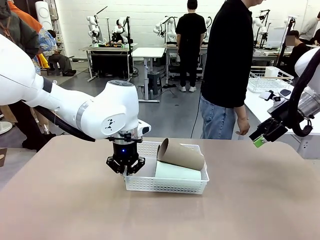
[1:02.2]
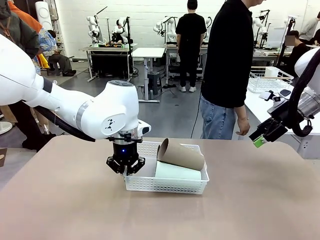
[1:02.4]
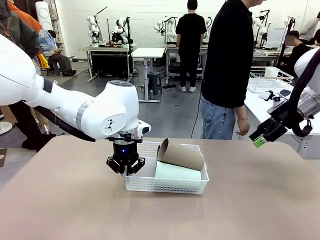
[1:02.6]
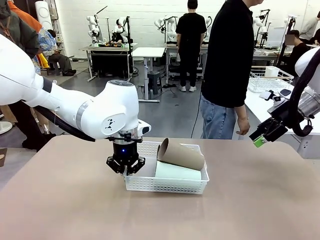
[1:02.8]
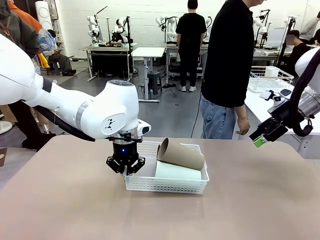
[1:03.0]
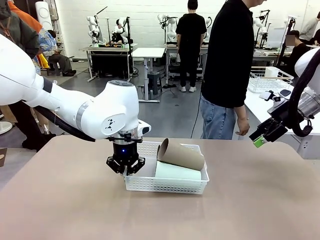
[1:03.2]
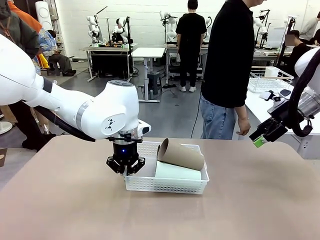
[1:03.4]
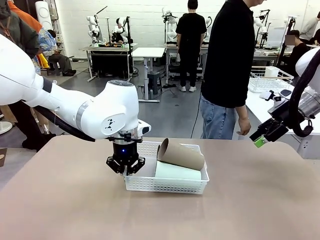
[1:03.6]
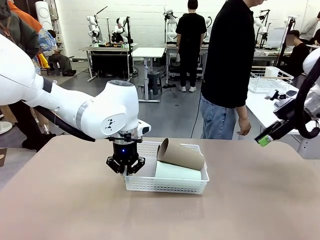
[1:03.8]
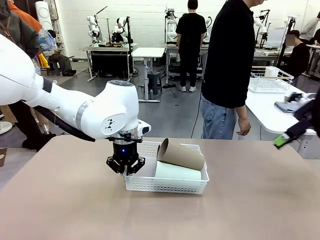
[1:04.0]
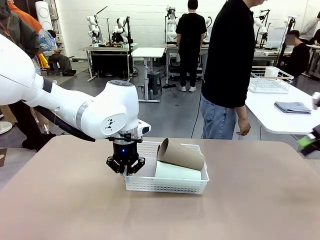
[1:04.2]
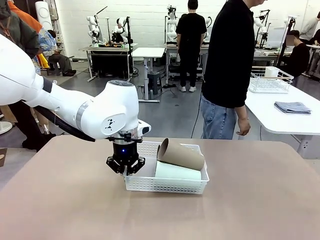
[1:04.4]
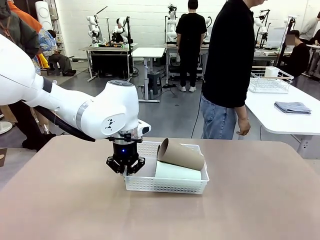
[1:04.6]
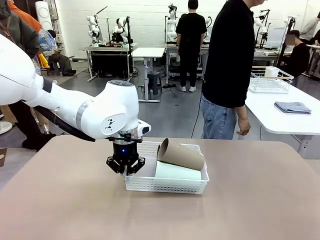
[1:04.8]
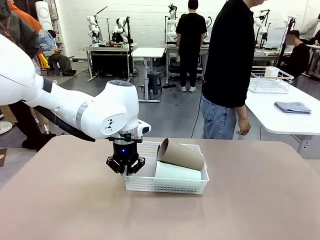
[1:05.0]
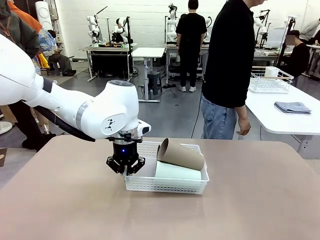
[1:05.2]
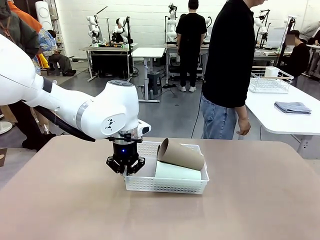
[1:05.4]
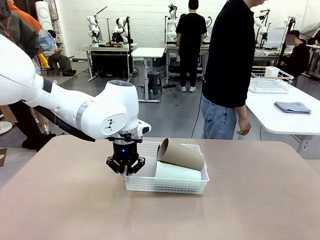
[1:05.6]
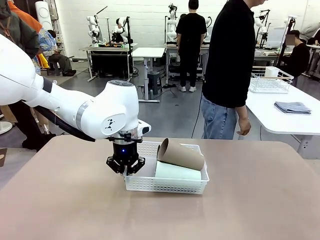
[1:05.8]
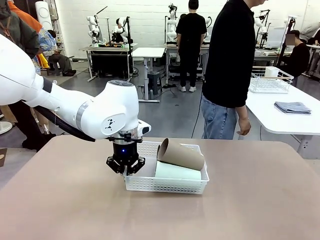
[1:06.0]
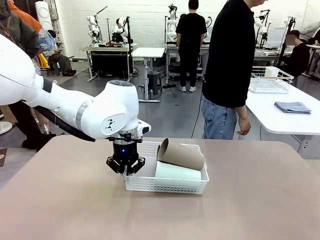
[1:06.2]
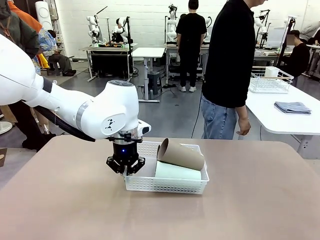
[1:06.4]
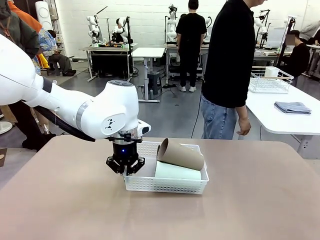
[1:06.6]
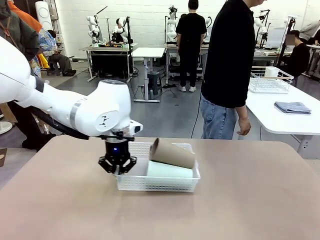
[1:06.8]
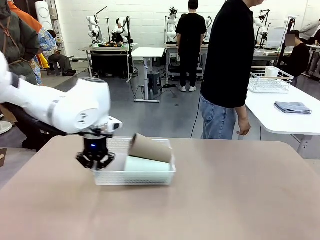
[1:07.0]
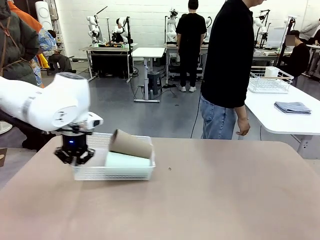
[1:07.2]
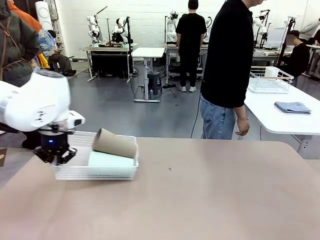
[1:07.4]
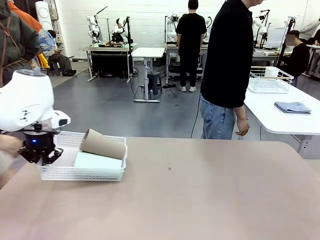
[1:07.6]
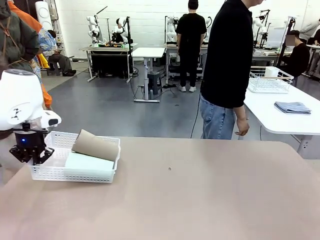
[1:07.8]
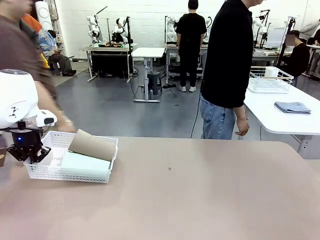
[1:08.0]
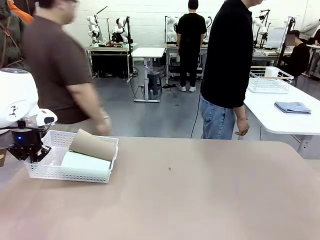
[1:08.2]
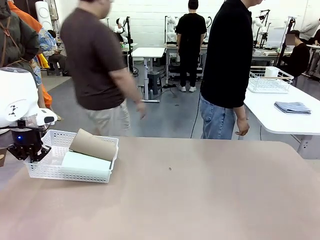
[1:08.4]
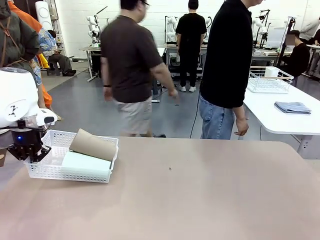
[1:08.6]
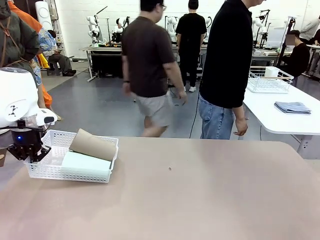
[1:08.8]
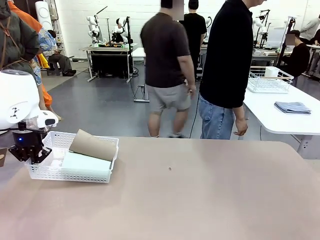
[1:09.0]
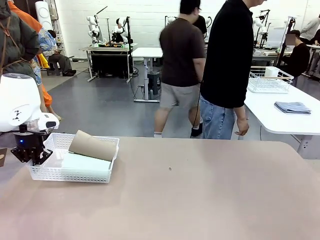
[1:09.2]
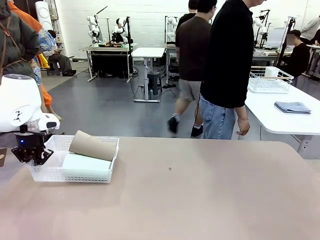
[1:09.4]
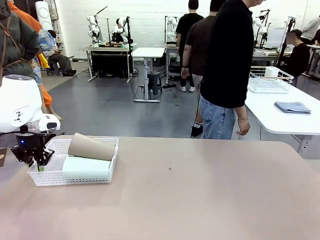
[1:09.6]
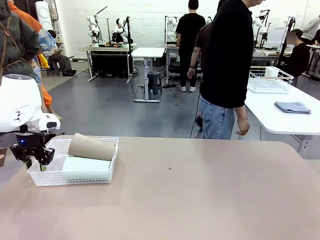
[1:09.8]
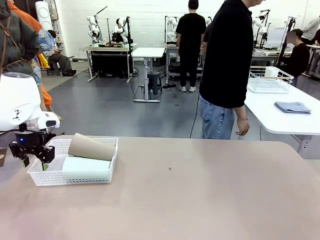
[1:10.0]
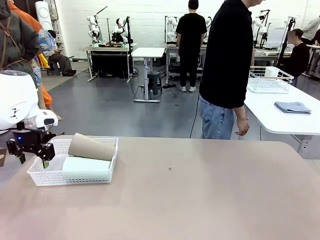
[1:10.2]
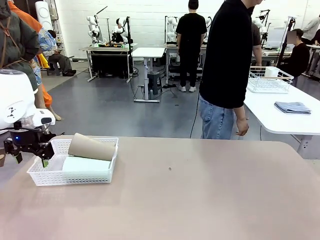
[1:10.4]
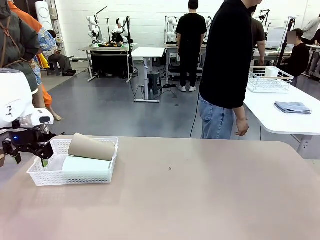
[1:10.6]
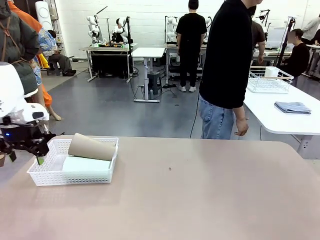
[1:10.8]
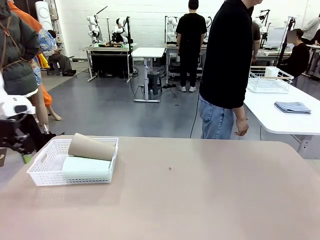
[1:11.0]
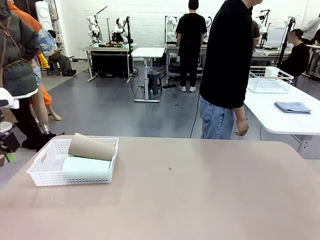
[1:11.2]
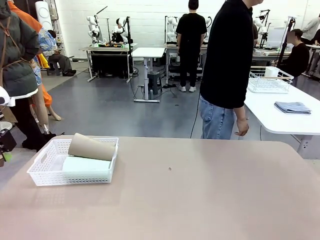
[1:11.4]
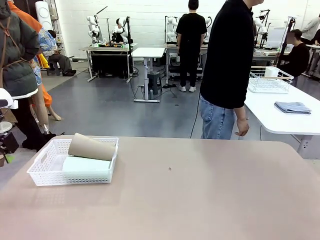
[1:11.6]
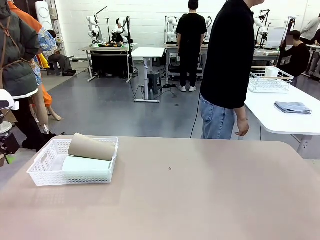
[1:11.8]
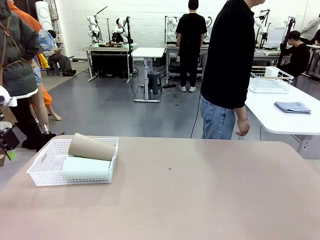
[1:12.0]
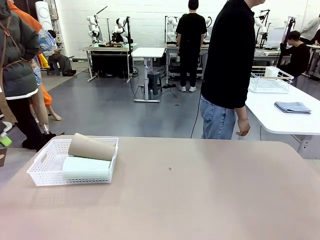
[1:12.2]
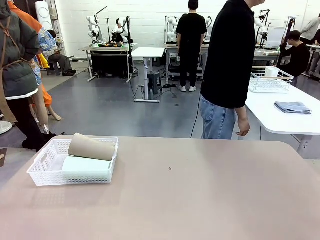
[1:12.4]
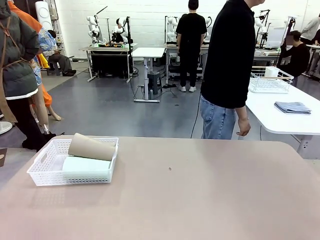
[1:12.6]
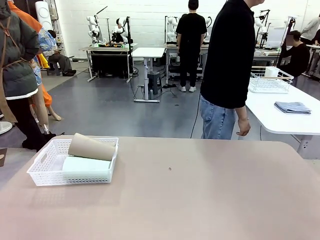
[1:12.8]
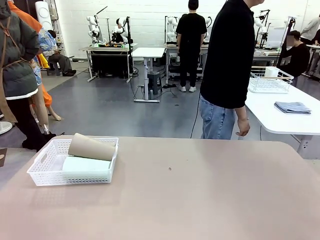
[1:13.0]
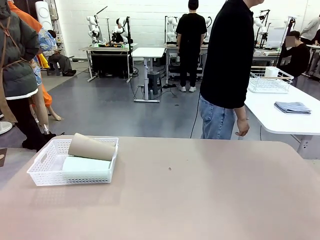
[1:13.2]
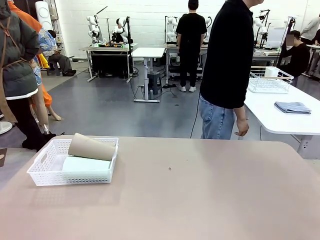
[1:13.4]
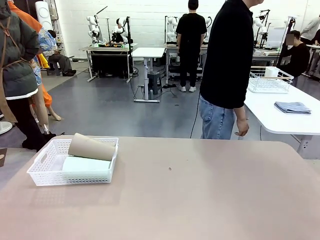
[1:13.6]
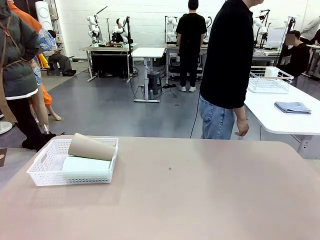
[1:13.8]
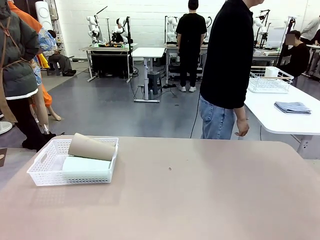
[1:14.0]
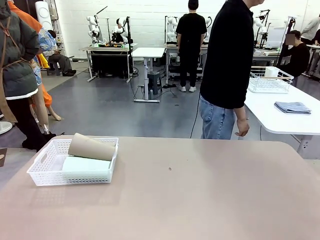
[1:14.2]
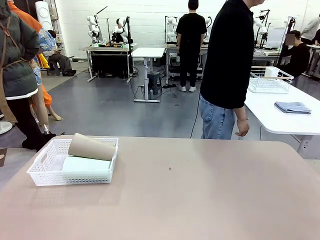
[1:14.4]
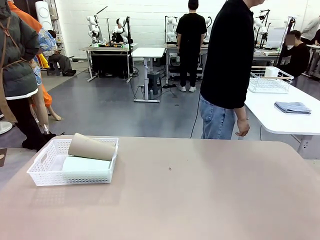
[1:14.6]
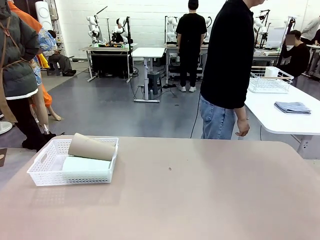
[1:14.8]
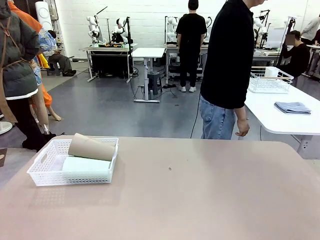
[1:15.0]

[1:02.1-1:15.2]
Task: Clean and organize the cups into the basket.
Robot: Move the Organizing basket back to the left side of the table.

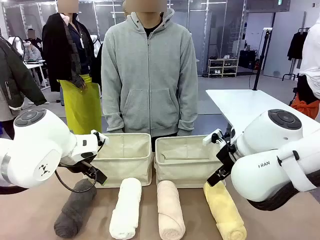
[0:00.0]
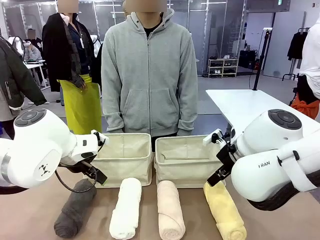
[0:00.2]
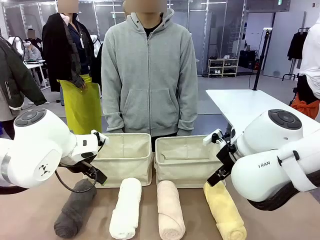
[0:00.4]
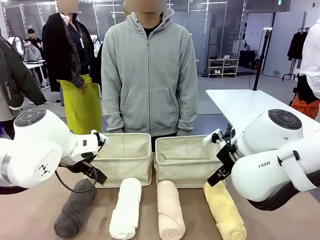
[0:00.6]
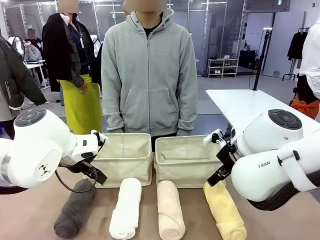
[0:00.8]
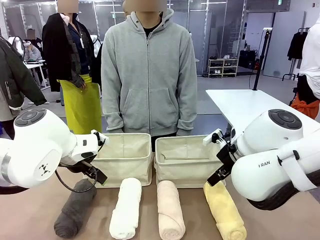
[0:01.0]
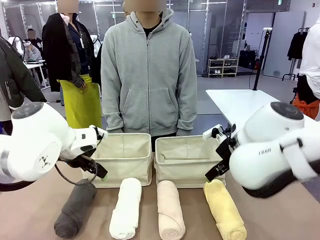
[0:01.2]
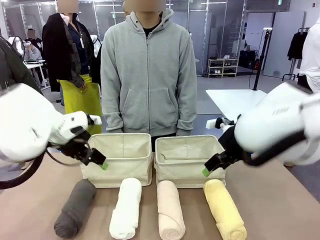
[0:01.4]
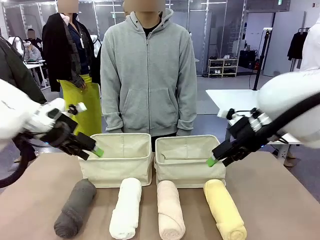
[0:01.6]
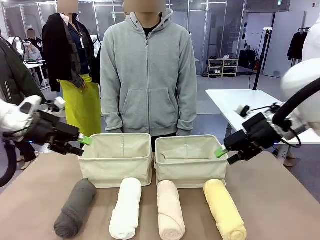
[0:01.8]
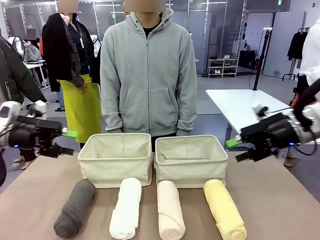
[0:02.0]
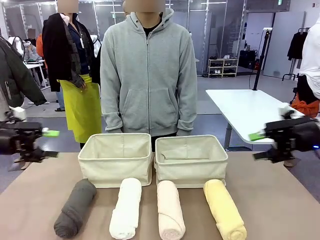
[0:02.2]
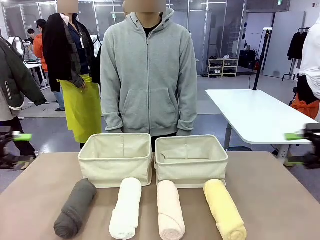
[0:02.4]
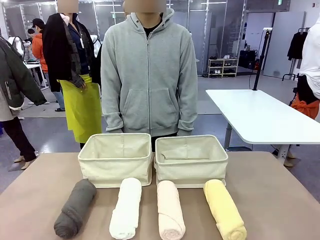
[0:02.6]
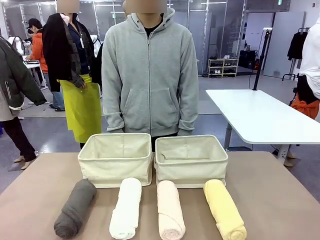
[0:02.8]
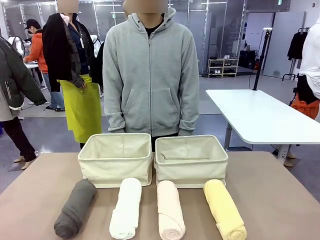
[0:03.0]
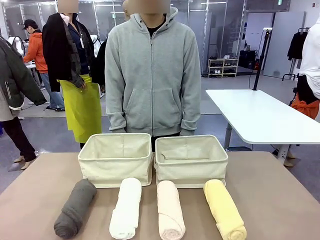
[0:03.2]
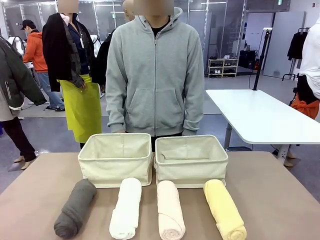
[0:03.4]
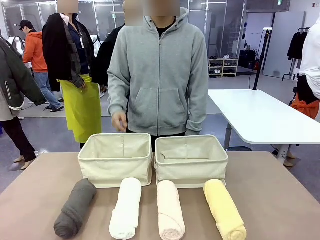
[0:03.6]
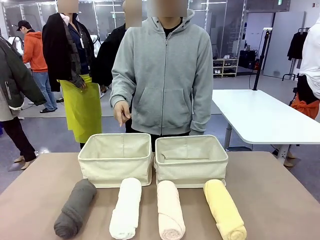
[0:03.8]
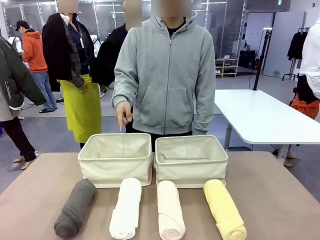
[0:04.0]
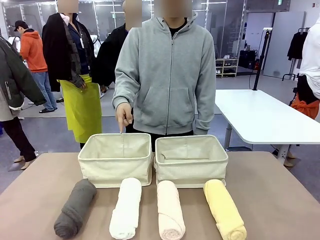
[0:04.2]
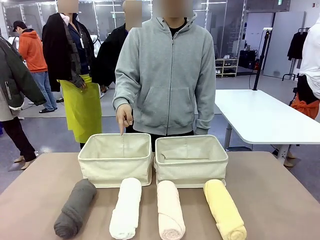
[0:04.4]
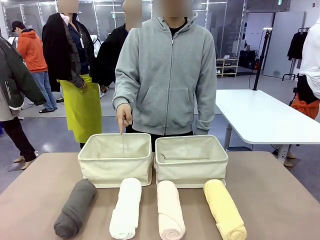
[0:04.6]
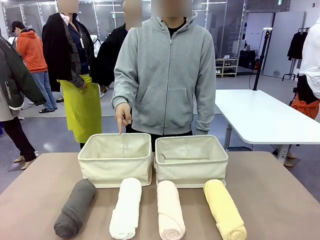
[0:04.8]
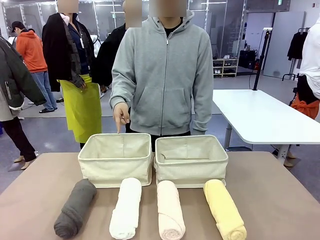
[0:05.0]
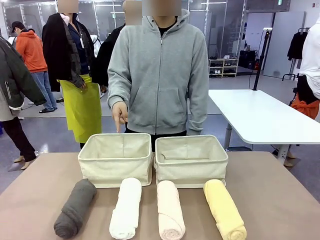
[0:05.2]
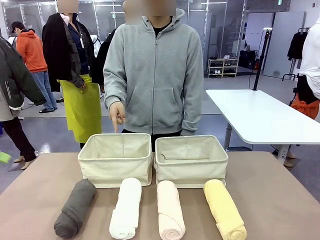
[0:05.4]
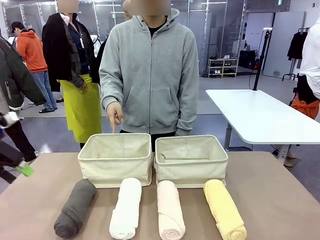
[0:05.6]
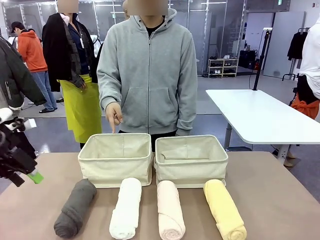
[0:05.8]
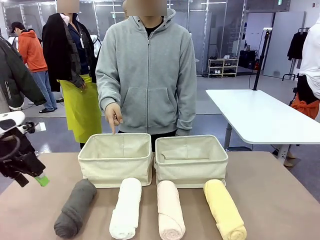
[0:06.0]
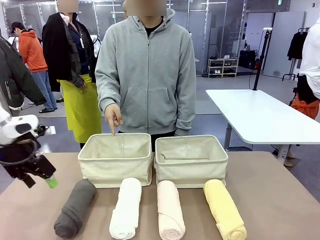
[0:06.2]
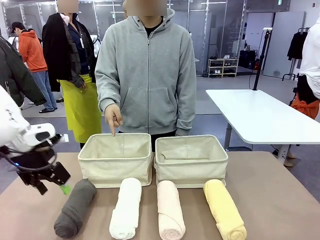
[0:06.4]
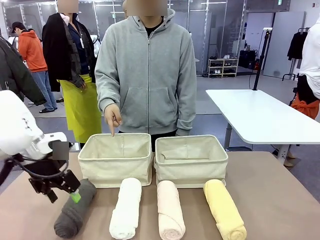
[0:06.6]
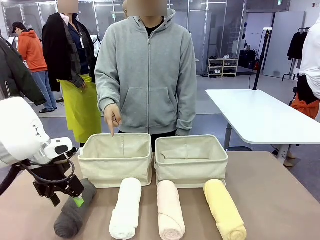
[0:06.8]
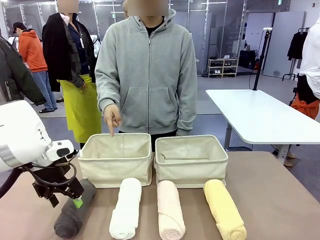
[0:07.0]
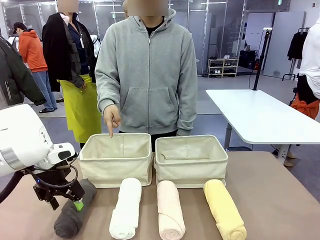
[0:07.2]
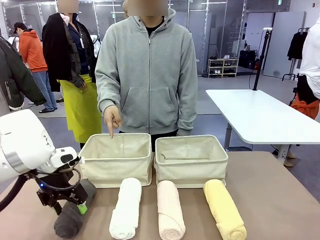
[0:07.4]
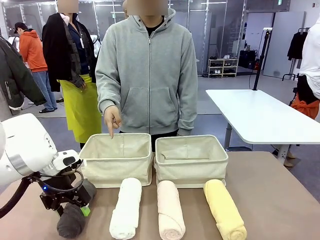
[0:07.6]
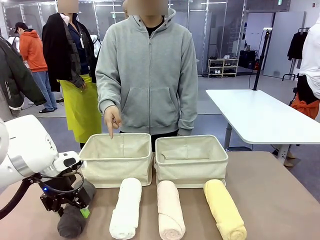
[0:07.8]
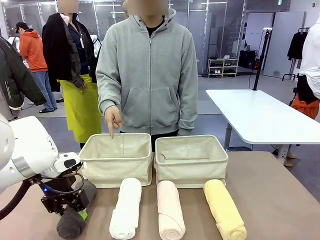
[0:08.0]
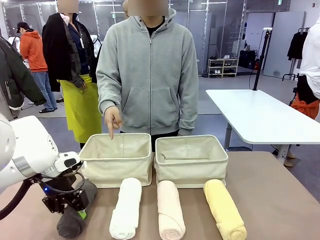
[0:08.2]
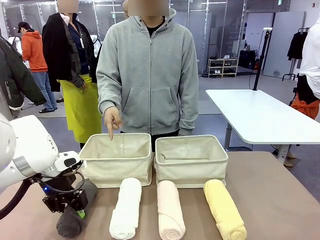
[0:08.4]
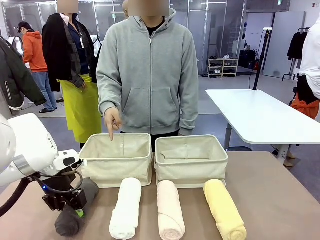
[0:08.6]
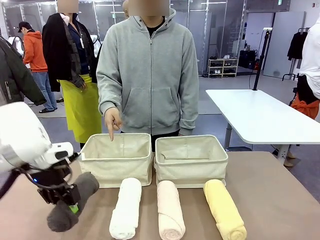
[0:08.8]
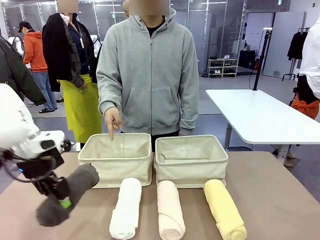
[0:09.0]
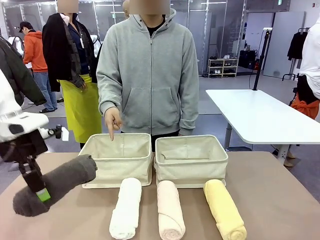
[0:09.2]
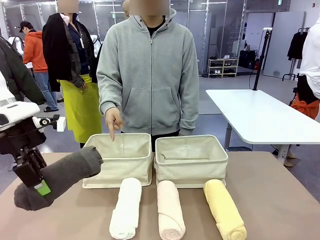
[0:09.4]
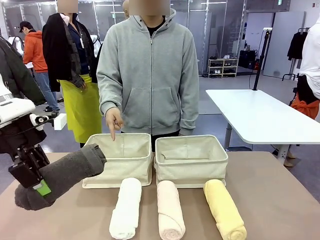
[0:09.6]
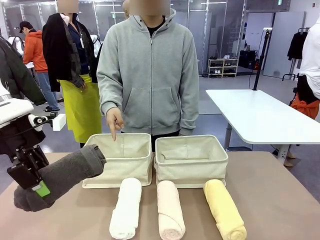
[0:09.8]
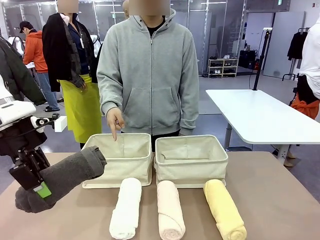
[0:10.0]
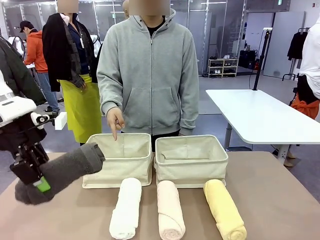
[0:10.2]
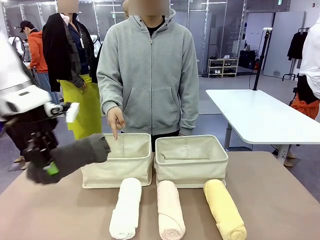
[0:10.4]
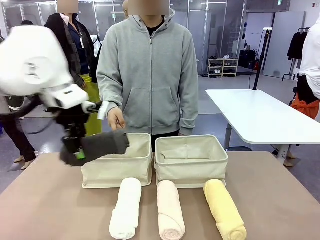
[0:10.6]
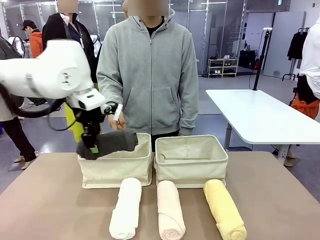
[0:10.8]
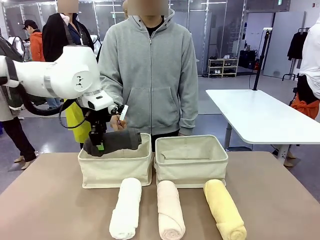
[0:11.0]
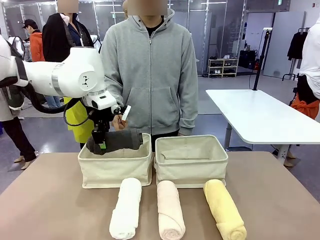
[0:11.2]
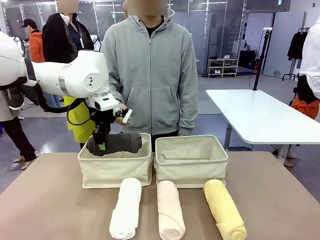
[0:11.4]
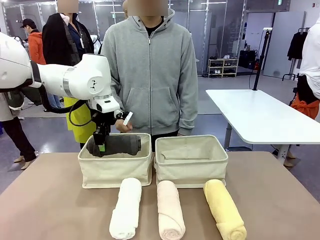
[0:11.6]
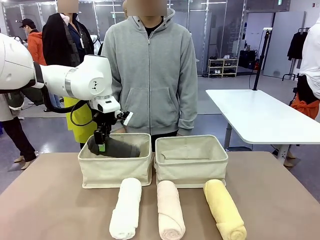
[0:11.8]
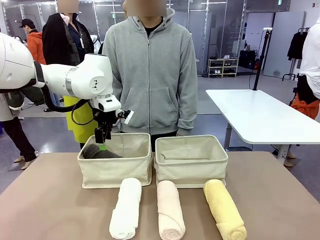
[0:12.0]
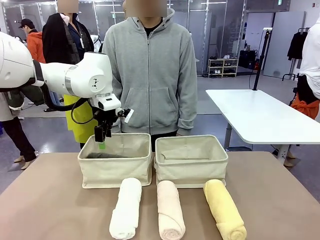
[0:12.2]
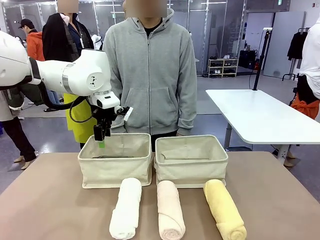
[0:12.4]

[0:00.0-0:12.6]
Task: Divide the towels into two baskets.
Robot: Pick up one hotel-folded towel and place it in the Fabric basket indicated by the person.
